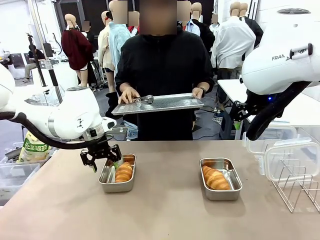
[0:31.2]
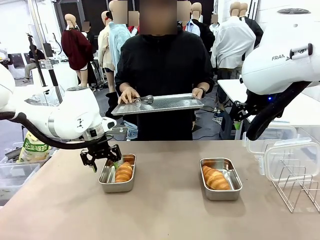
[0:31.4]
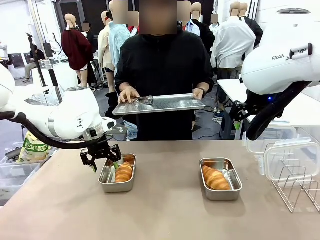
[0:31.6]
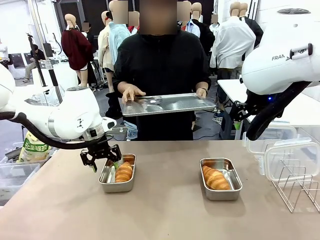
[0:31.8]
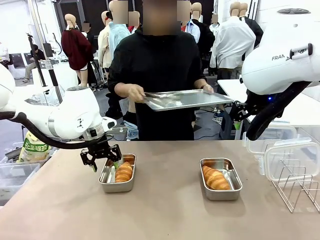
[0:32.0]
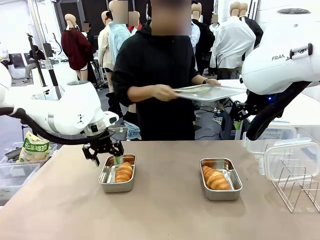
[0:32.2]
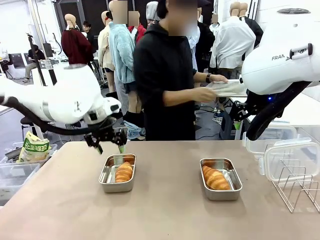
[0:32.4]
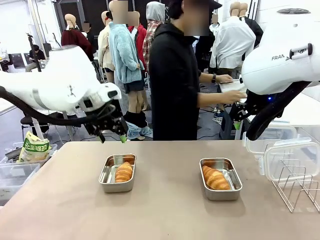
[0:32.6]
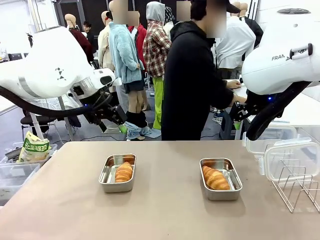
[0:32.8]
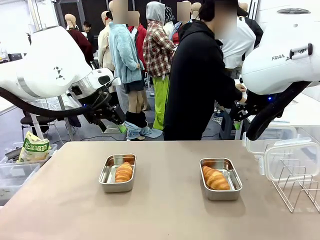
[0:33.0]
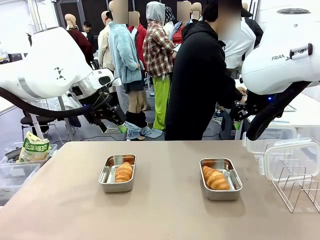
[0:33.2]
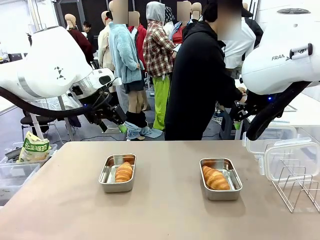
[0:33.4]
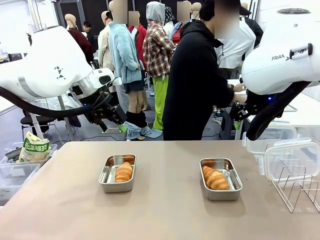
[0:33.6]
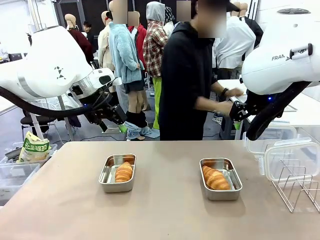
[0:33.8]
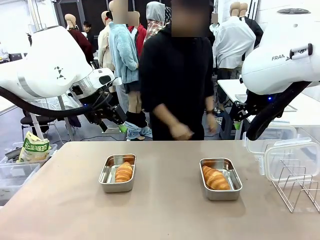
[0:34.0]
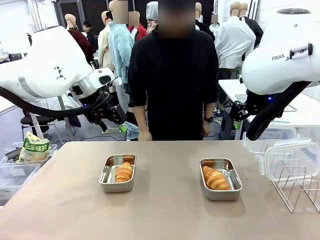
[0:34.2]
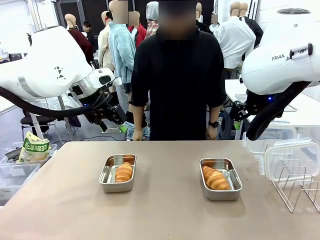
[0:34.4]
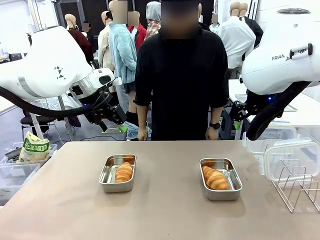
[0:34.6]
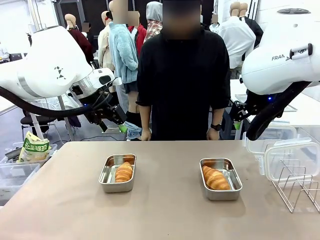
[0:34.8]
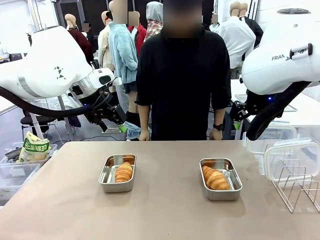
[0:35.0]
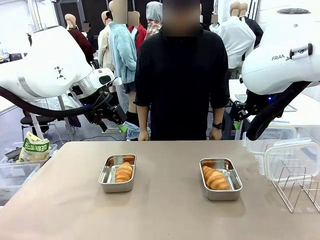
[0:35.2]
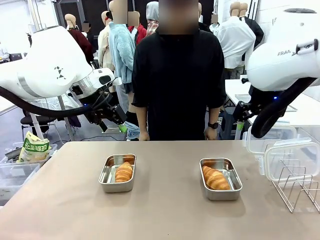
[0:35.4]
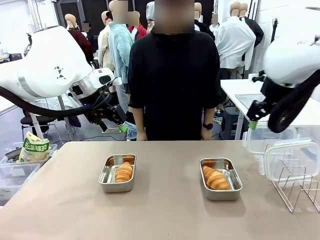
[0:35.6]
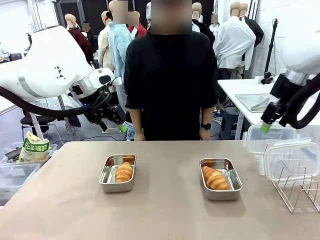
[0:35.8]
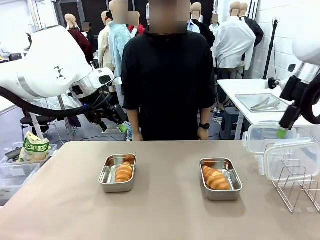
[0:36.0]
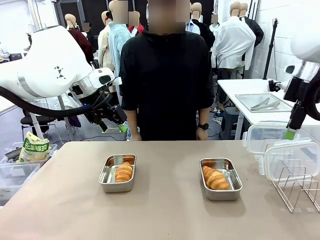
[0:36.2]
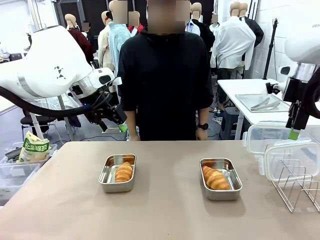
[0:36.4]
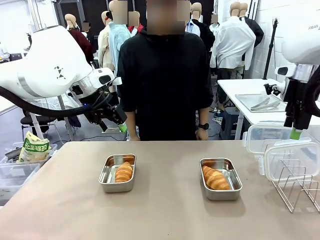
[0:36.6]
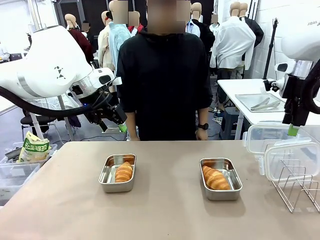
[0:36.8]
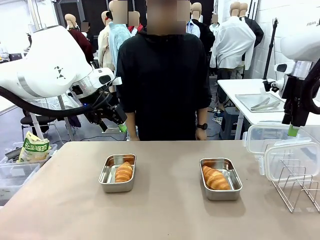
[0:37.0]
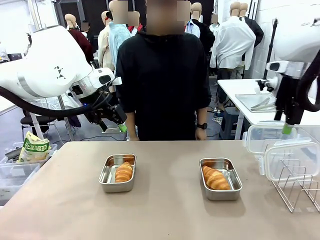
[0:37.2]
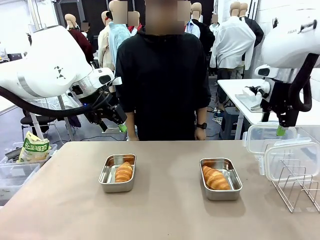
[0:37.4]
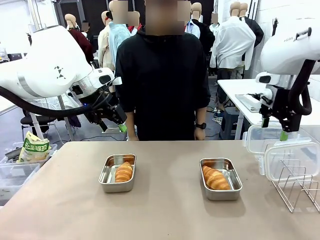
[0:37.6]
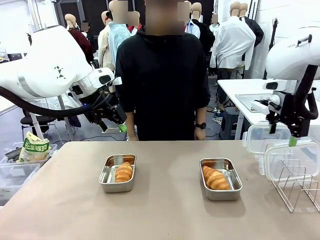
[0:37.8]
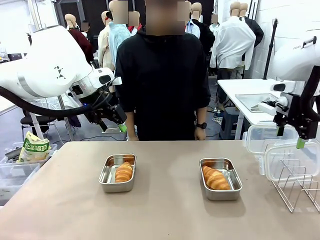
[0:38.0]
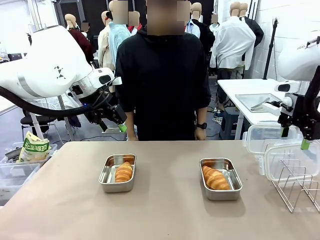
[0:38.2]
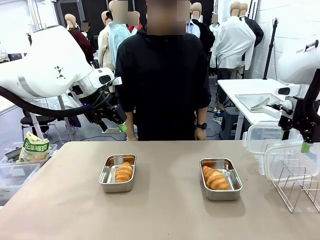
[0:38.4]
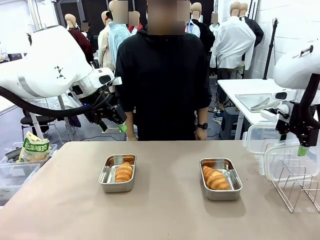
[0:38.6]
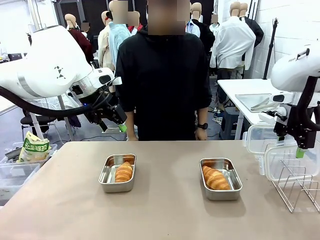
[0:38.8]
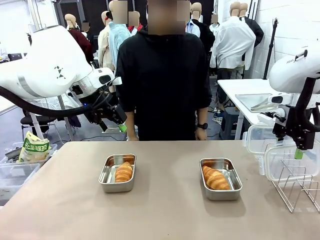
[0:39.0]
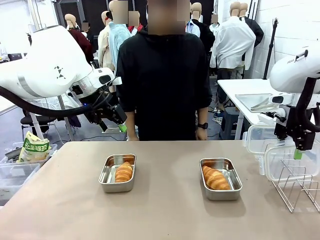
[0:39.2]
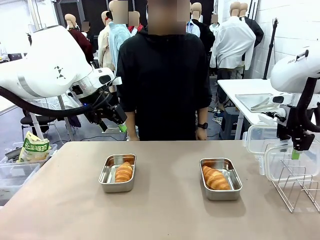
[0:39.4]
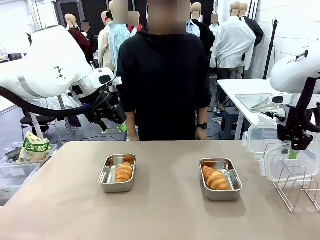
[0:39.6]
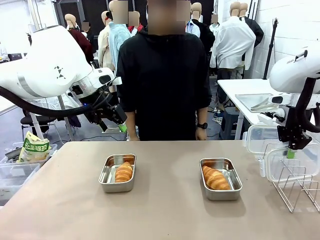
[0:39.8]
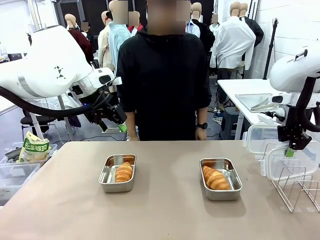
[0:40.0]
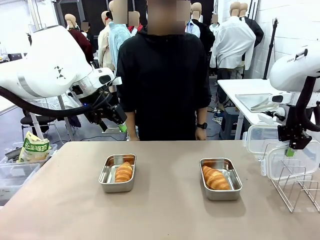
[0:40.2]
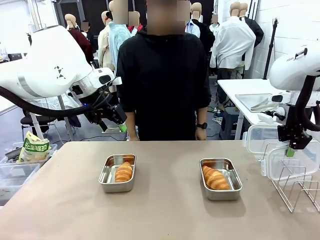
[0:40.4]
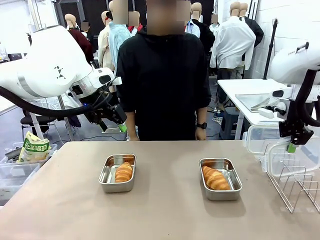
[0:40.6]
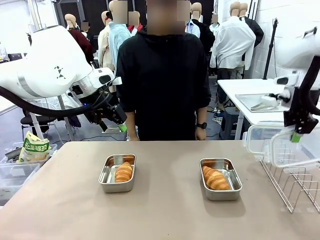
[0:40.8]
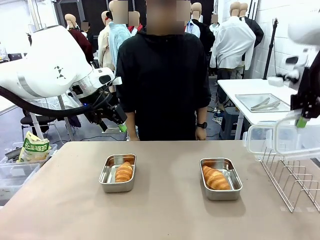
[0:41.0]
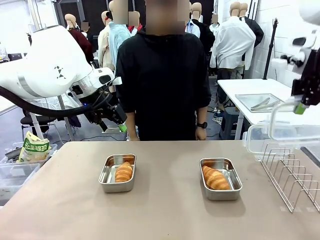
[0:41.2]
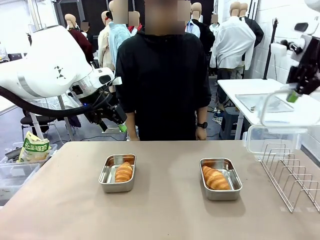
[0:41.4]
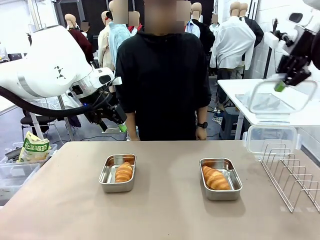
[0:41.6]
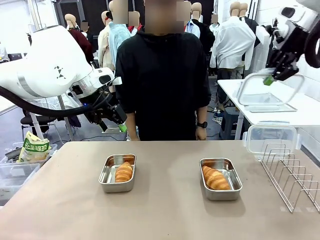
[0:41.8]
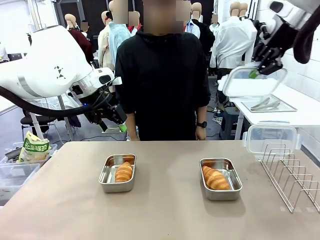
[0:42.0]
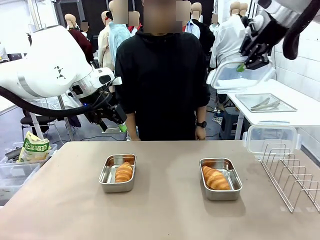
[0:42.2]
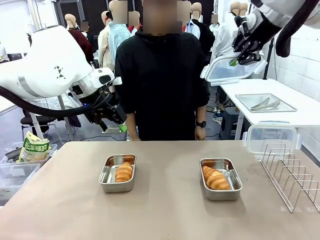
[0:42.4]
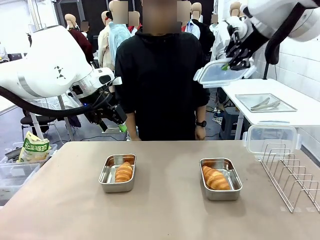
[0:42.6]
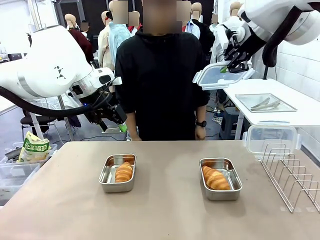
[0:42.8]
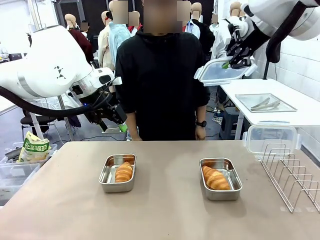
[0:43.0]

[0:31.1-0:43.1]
Task: Place the bread in airtight containers.
Robot: Pick up one Airtight Container lid and hand it to the human.
Person: Grip Airtight Container lid that robot is handing.

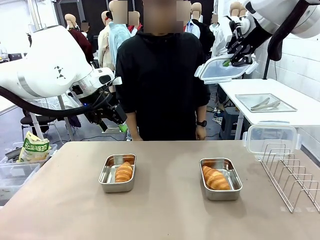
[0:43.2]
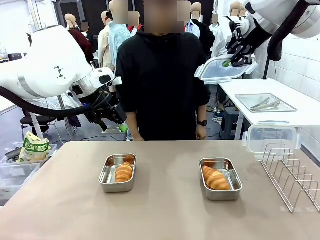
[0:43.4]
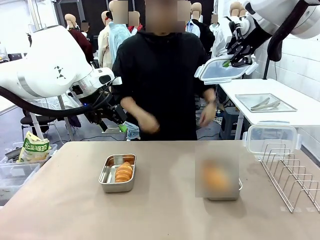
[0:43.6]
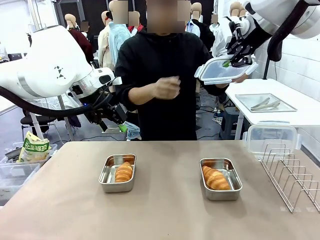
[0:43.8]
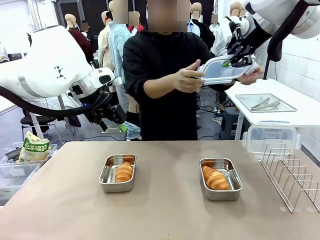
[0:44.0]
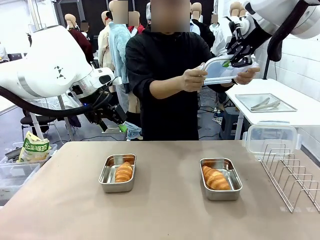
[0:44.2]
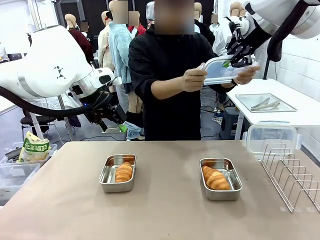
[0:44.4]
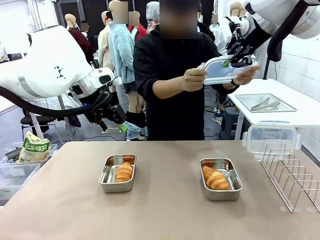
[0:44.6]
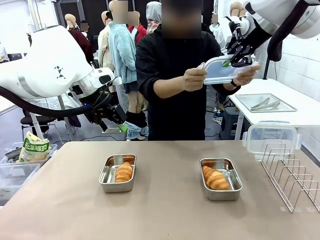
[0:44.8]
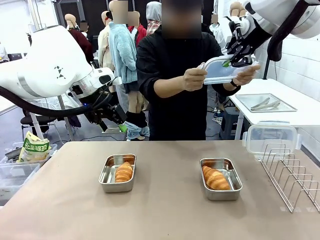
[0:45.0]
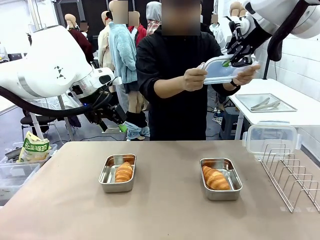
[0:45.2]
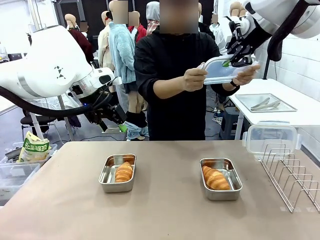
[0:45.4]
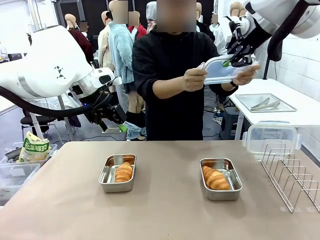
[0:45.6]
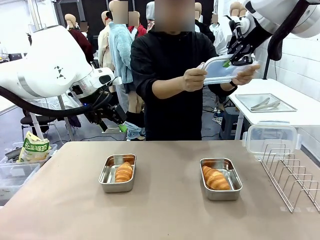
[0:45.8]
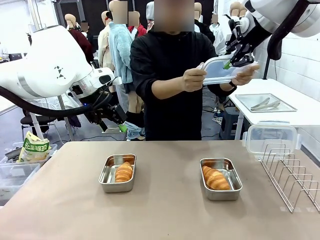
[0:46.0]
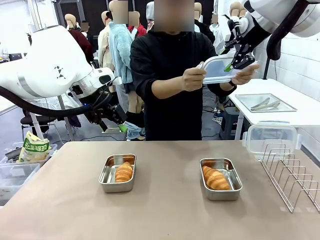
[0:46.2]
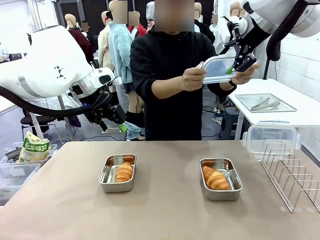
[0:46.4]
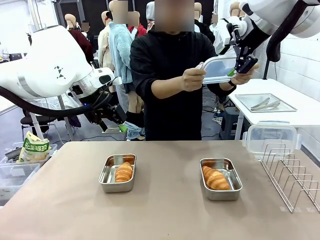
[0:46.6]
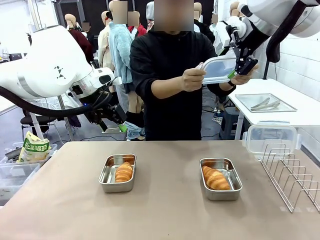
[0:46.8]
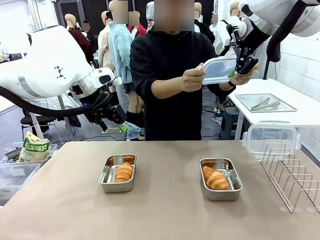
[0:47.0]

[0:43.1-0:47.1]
Robot: Release when the human grabs the Airtight Container lid.
